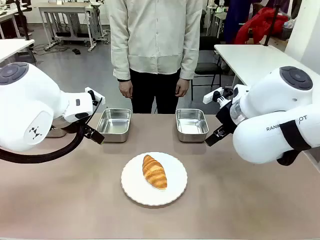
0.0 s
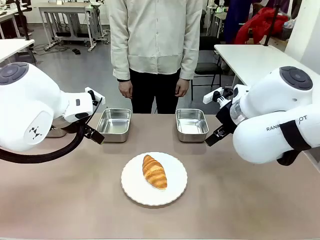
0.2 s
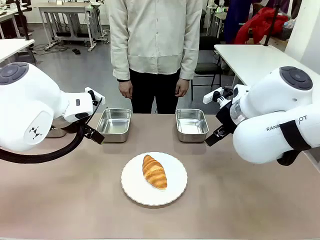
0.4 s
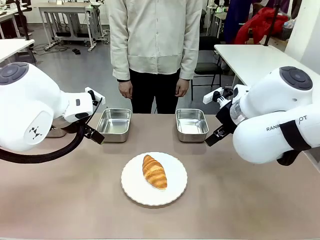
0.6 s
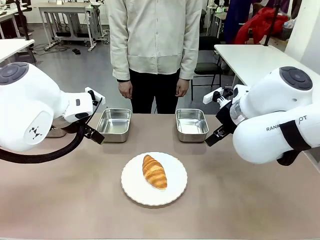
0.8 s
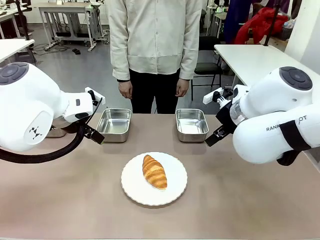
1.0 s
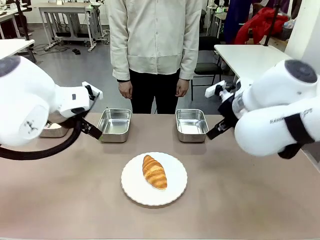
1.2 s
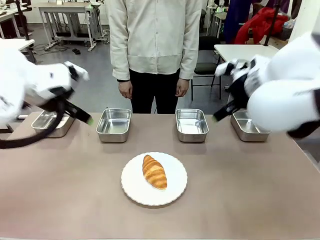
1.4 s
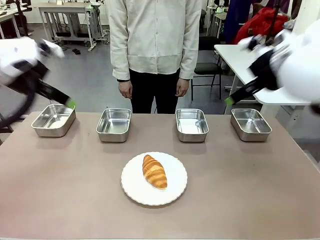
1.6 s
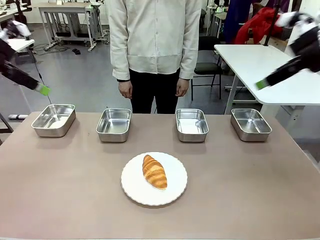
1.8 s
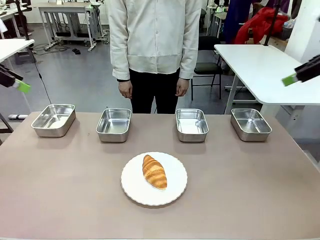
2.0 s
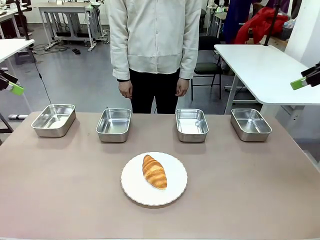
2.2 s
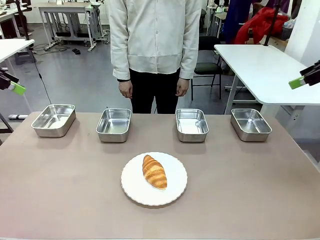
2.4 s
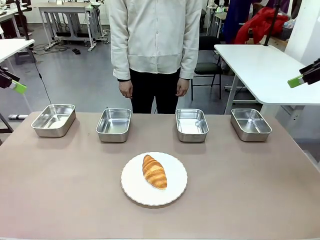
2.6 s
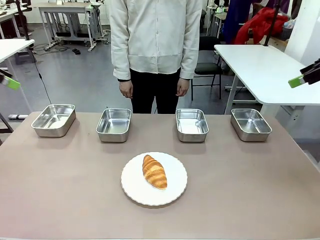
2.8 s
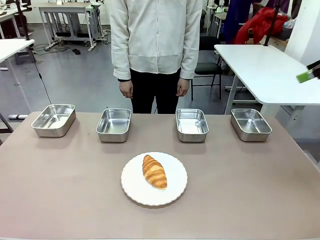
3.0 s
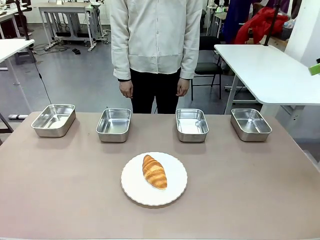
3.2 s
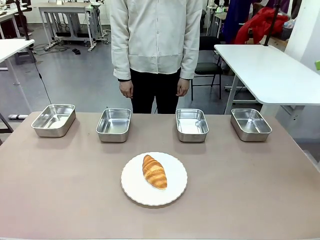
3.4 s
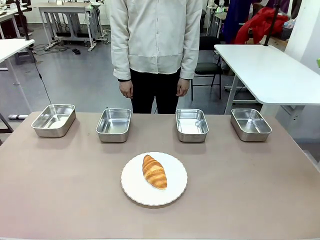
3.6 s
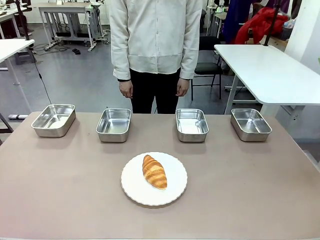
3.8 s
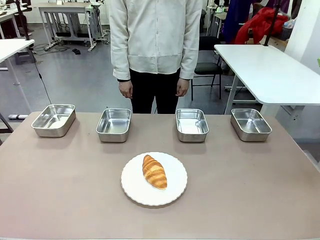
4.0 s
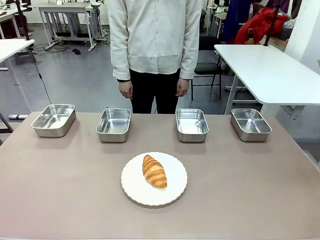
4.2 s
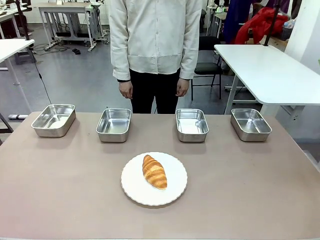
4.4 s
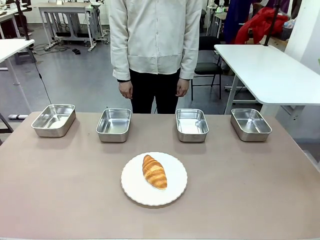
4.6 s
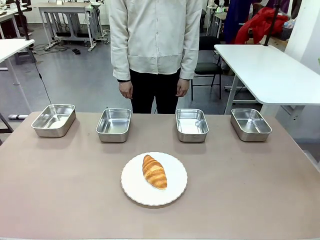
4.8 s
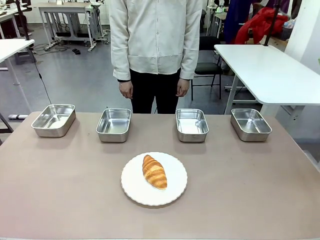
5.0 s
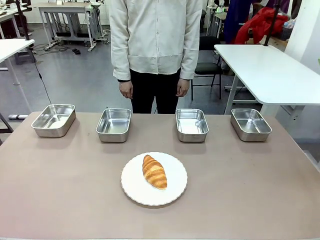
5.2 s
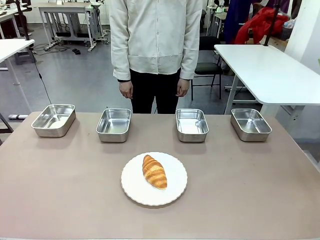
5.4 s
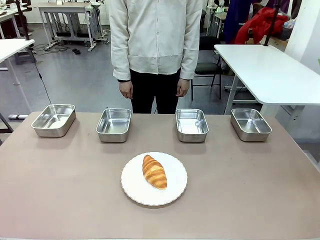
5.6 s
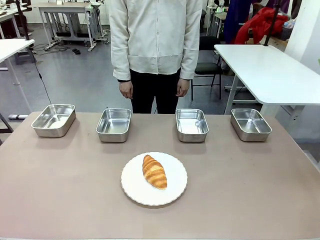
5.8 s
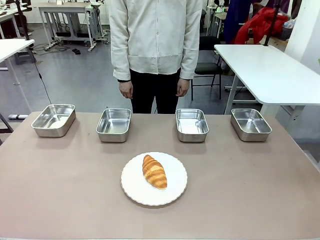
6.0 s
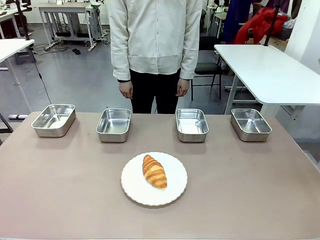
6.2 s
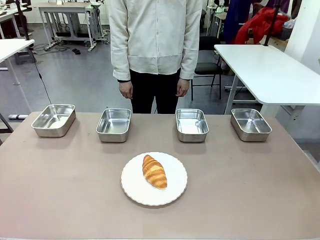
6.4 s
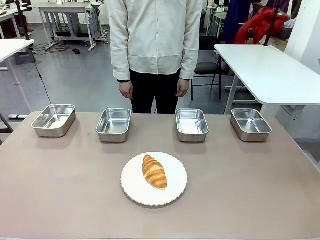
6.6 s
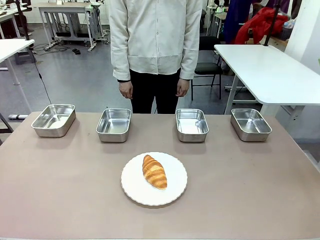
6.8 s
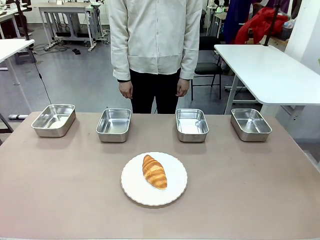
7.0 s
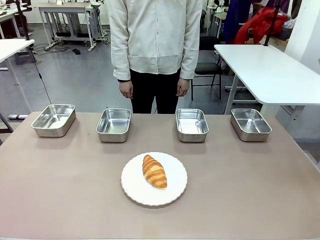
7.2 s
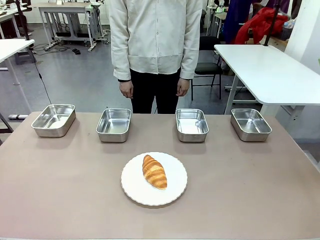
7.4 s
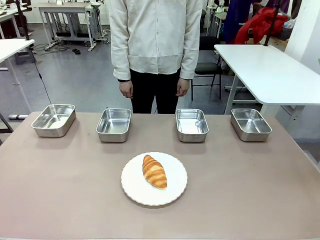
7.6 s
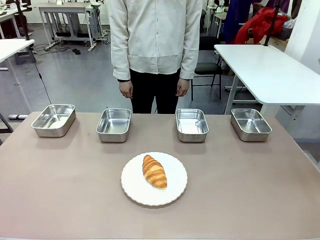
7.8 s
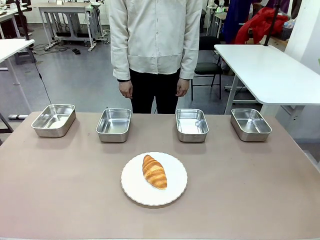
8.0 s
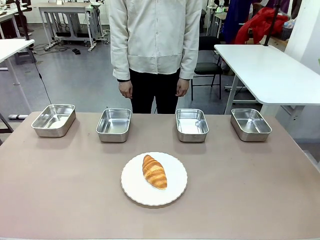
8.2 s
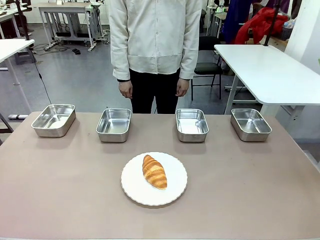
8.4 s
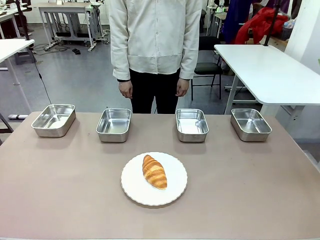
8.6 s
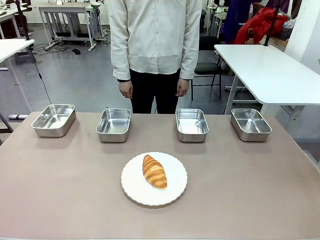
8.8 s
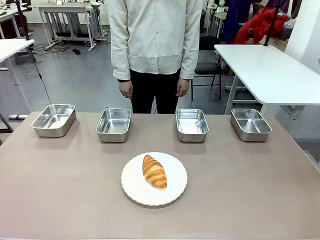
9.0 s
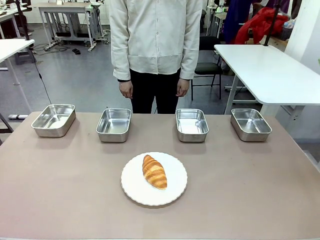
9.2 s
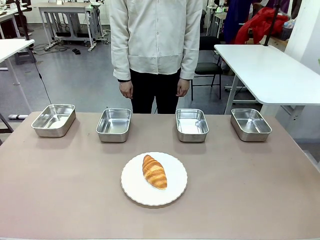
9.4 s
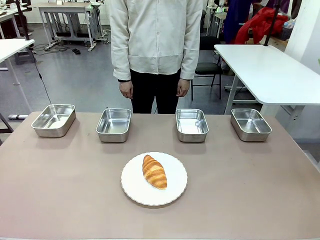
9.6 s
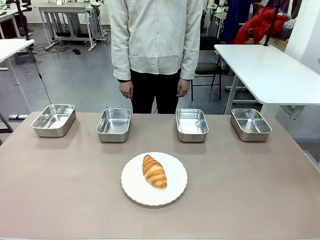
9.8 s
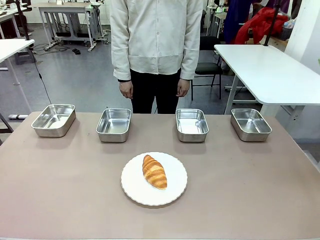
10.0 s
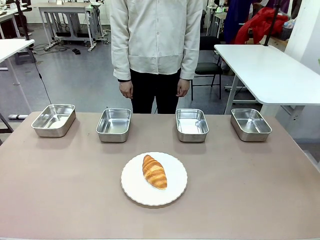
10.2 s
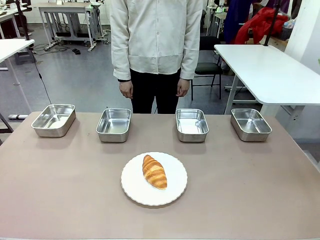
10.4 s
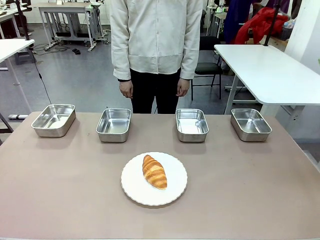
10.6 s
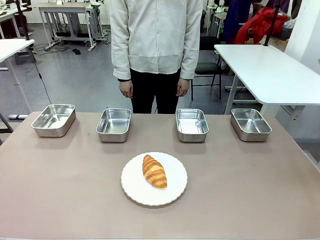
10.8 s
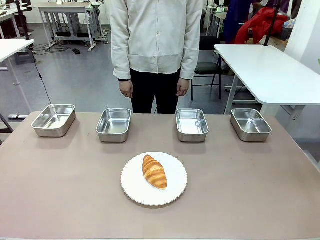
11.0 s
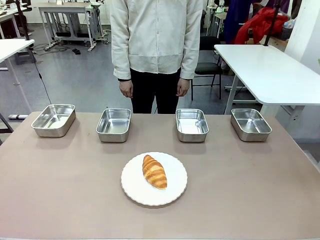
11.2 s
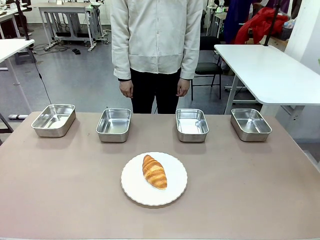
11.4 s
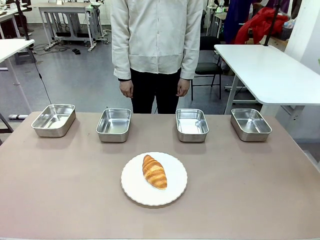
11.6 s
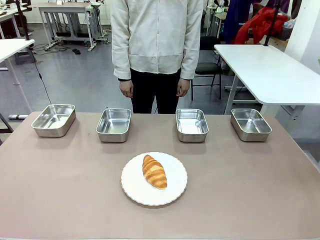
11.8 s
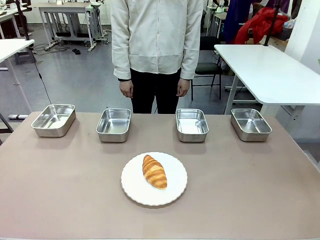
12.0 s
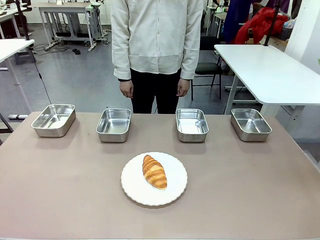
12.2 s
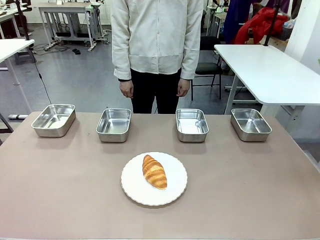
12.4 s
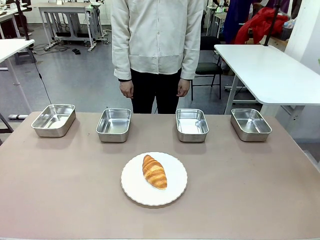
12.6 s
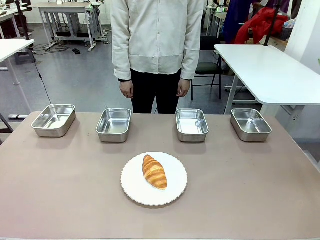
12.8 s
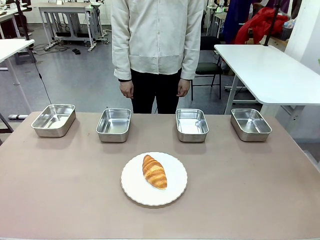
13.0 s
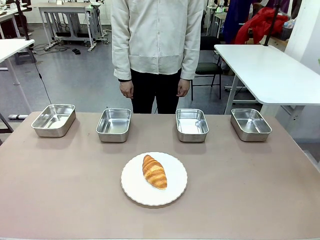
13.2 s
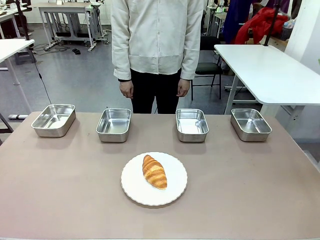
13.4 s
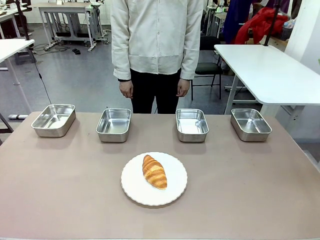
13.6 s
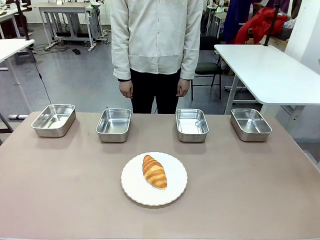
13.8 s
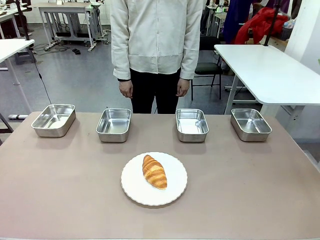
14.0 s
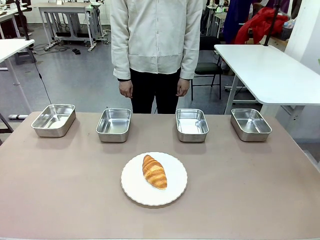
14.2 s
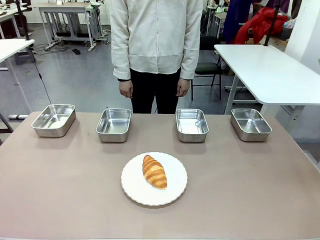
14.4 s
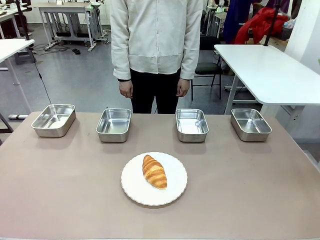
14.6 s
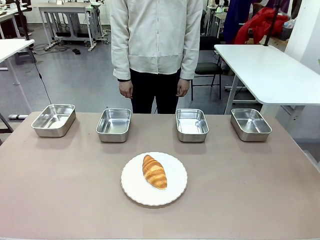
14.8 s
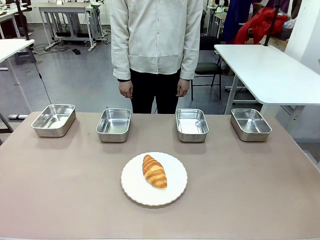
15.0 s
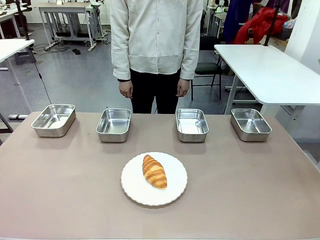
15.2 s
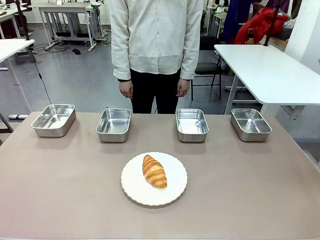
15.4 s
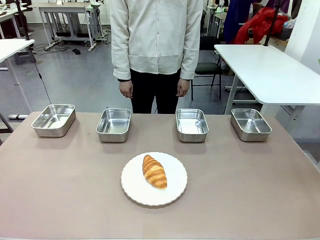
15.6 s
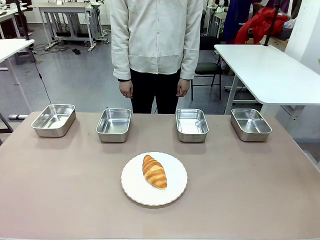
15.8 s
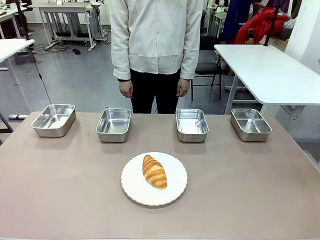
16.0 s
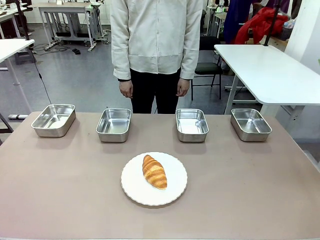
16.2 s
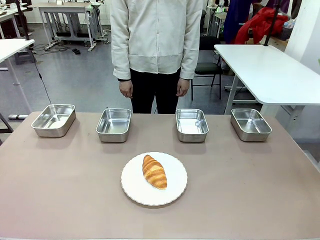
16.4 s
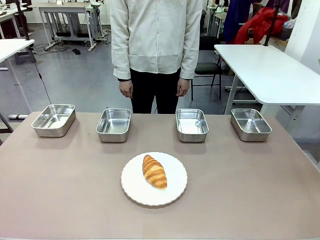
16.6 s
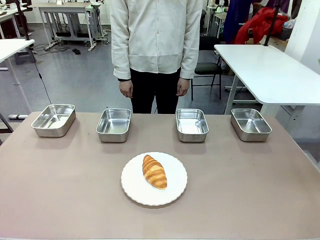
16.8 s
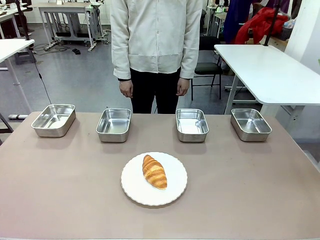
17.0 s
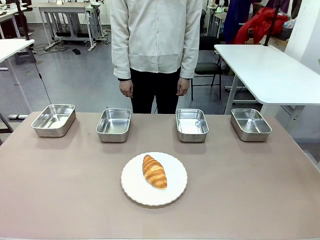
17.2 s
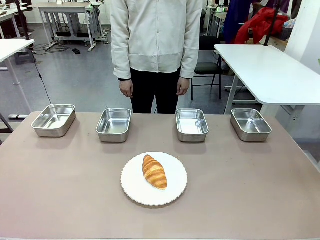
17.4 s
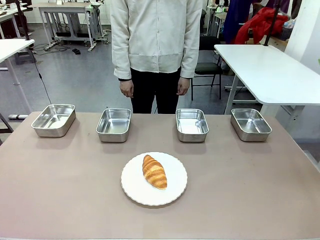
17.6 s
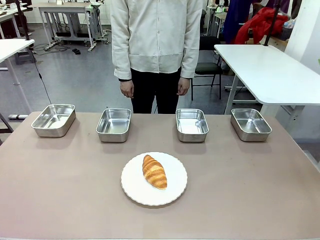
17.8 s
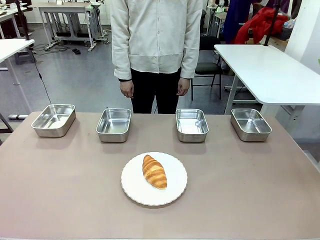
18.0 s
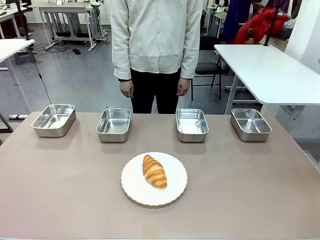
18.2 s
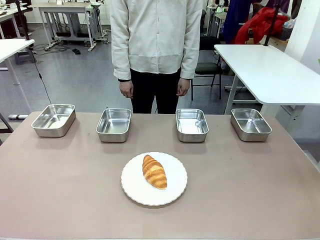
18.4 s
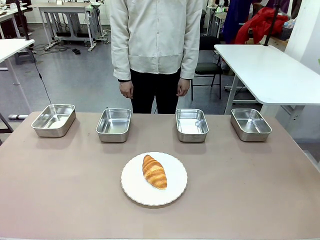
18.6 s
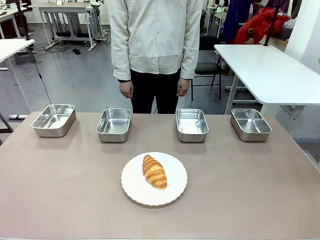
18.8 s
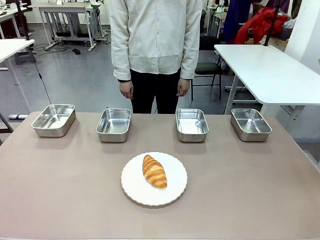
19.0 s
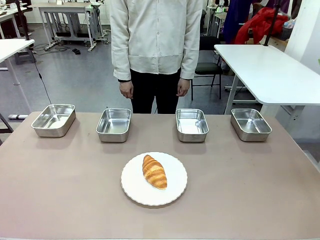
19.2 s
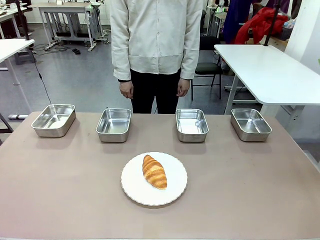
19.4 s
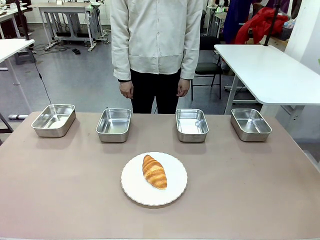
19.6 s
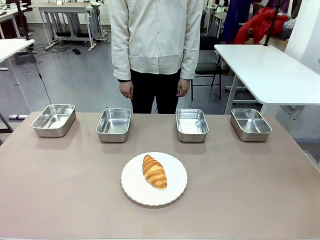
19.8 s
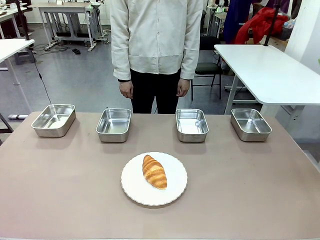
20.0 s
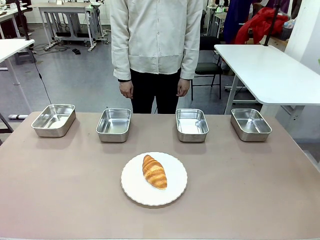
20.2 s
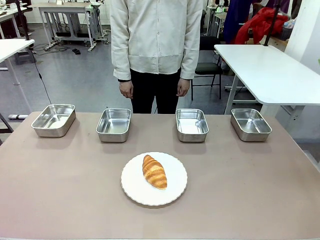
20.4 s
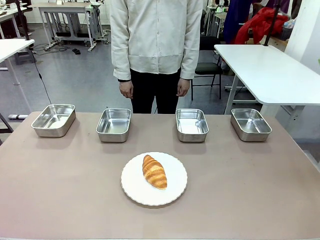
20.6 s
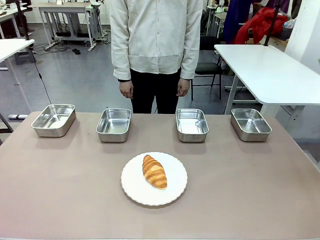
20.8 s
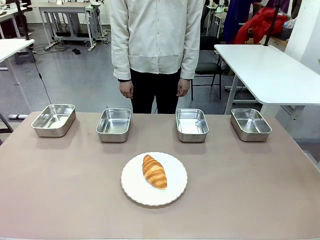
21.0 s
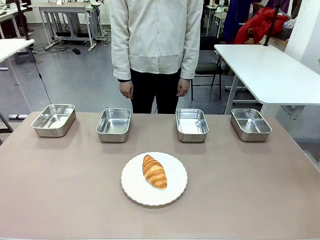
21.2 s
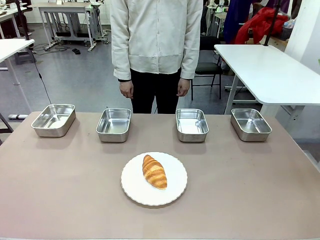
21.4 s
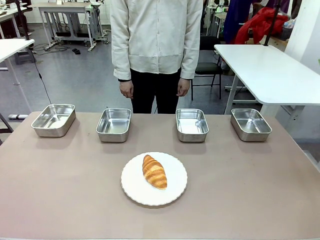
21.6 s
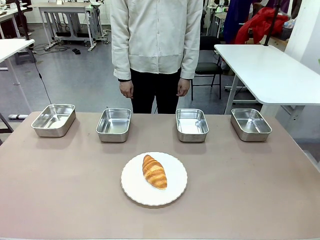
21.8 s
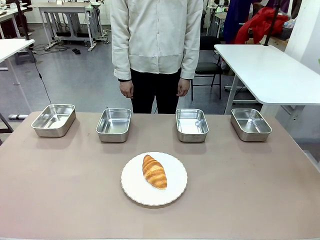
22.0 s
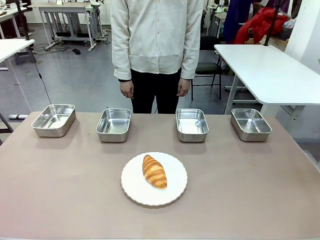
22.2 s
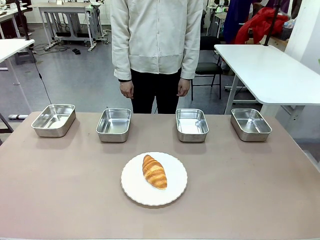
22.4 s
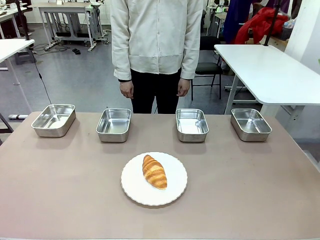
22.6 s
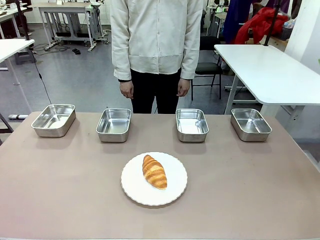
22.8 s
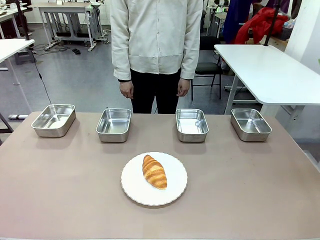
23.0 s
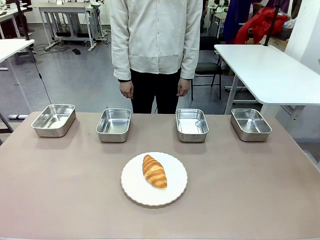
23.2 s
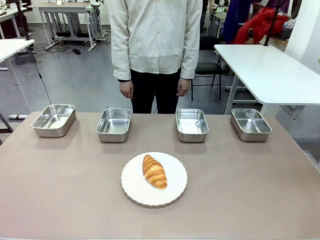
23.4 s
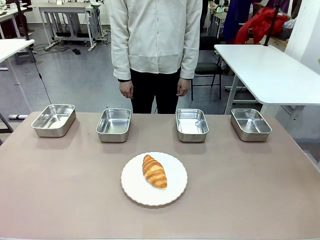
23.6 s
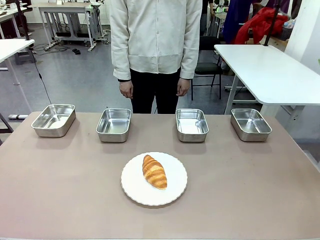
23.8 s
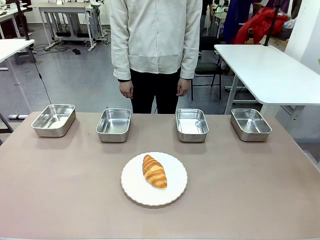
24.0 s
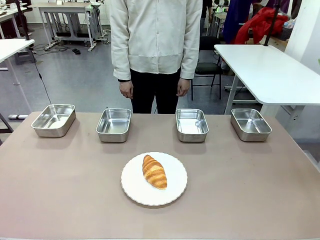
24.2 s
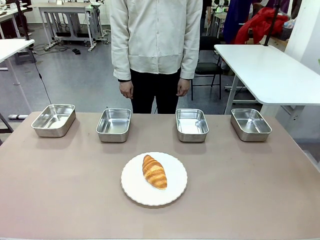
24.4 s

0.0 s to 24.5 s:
Task: Place the bread in the container.
Robot: Place the Butter Roll into the Airtight Container indicated by the human.
